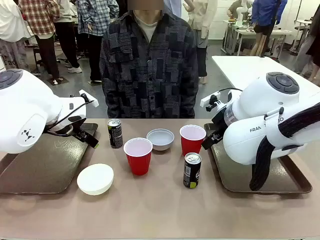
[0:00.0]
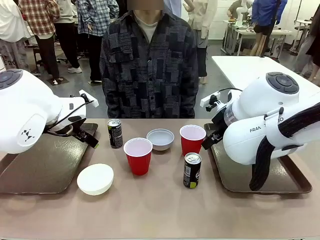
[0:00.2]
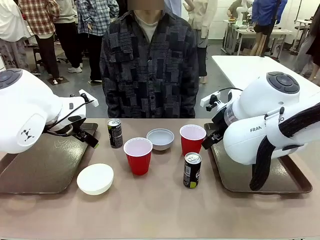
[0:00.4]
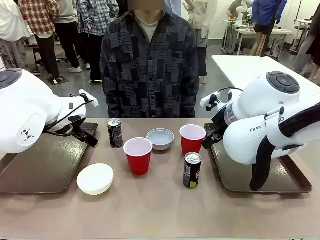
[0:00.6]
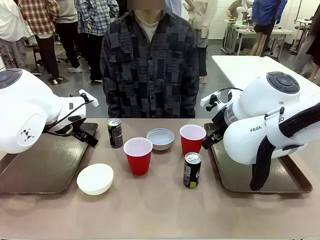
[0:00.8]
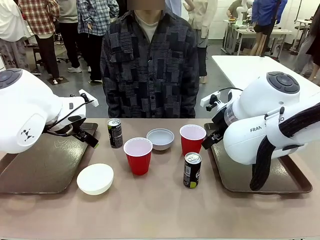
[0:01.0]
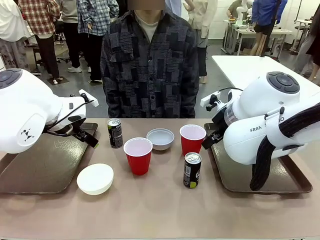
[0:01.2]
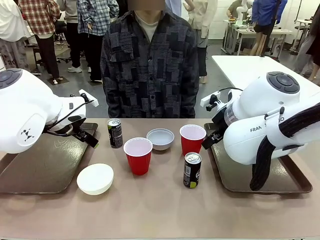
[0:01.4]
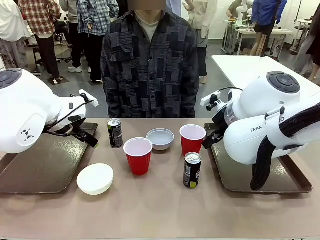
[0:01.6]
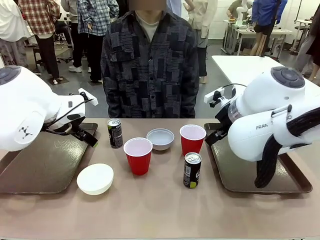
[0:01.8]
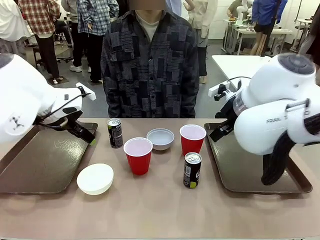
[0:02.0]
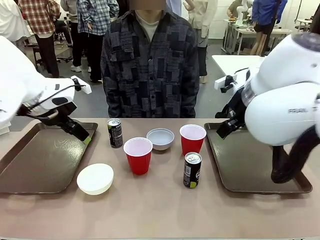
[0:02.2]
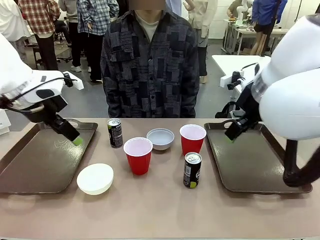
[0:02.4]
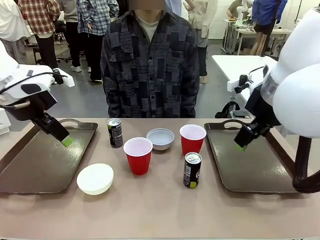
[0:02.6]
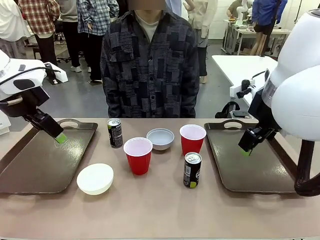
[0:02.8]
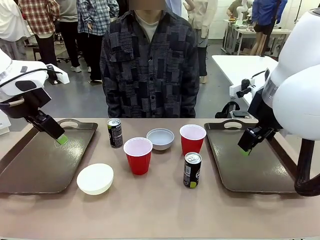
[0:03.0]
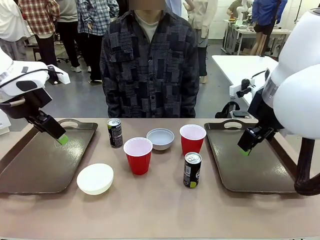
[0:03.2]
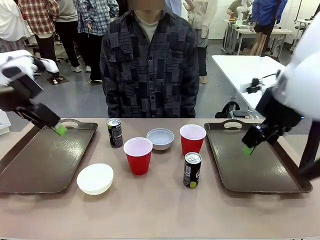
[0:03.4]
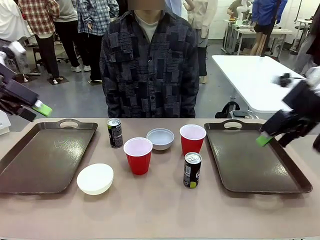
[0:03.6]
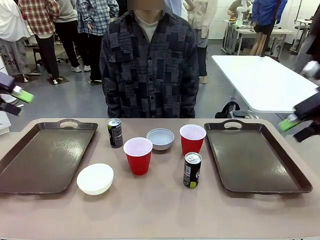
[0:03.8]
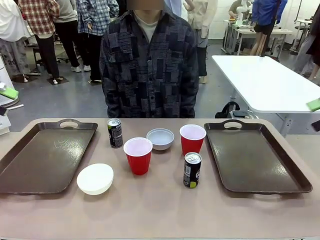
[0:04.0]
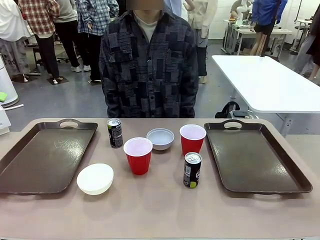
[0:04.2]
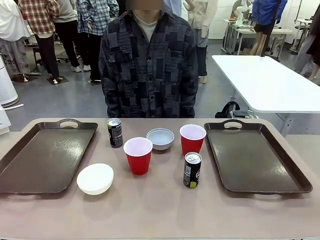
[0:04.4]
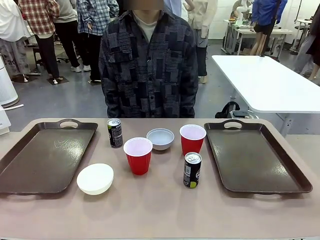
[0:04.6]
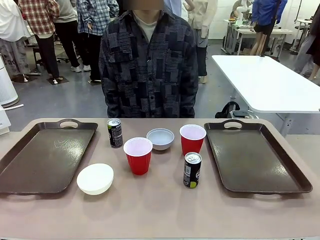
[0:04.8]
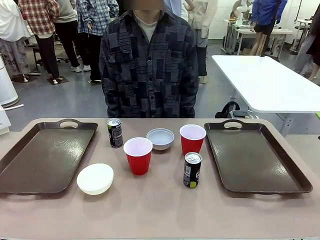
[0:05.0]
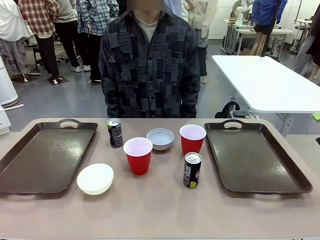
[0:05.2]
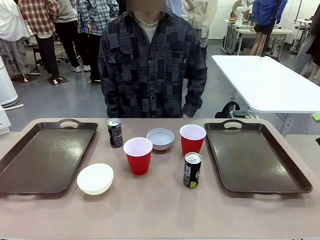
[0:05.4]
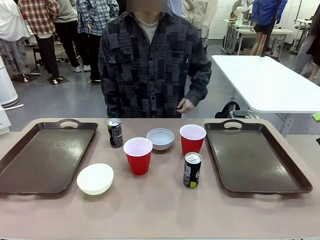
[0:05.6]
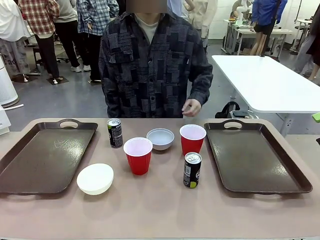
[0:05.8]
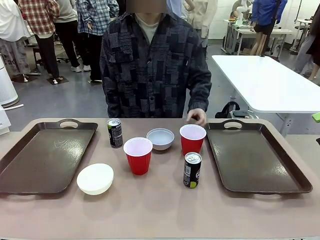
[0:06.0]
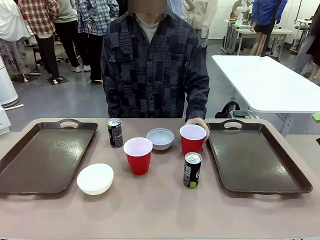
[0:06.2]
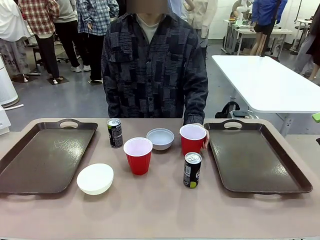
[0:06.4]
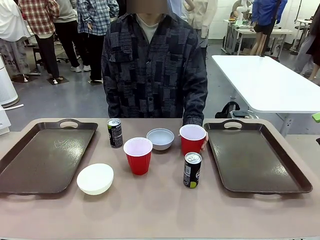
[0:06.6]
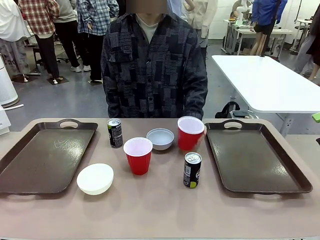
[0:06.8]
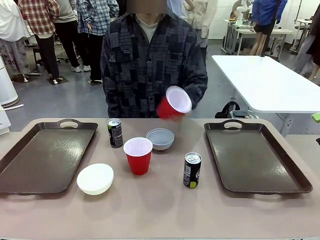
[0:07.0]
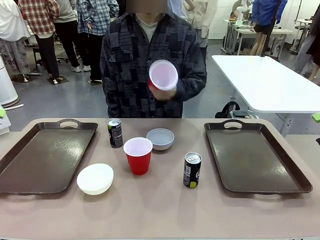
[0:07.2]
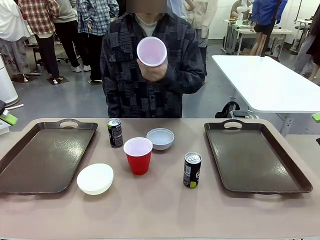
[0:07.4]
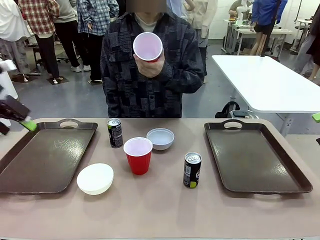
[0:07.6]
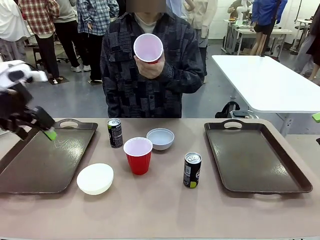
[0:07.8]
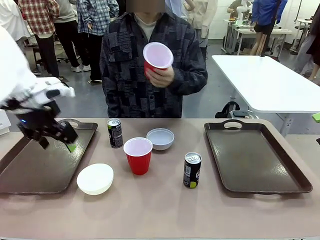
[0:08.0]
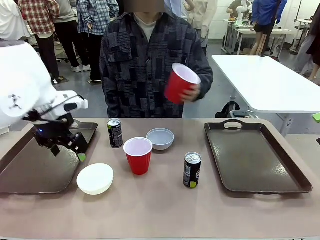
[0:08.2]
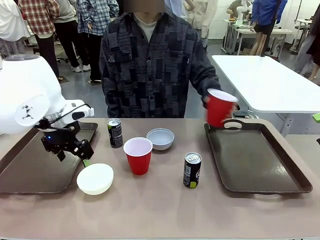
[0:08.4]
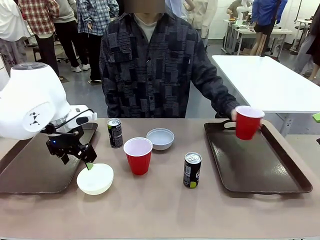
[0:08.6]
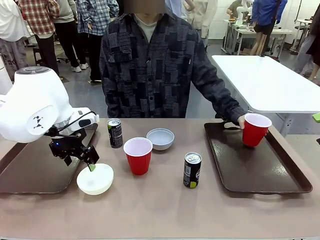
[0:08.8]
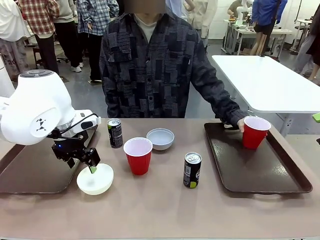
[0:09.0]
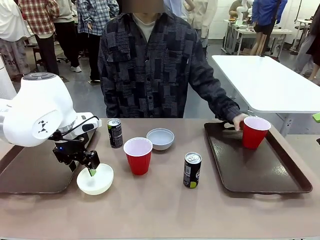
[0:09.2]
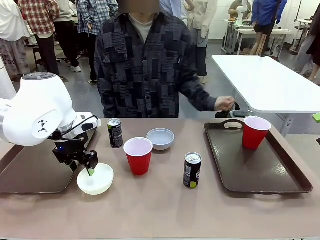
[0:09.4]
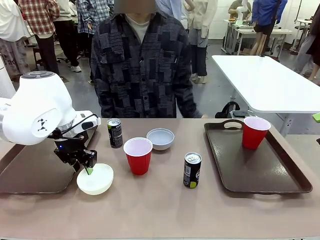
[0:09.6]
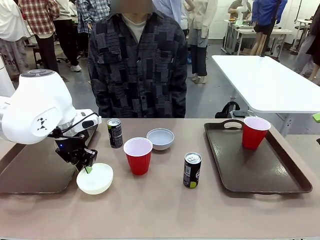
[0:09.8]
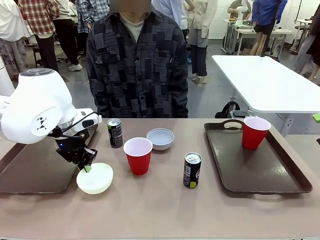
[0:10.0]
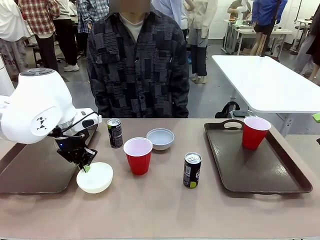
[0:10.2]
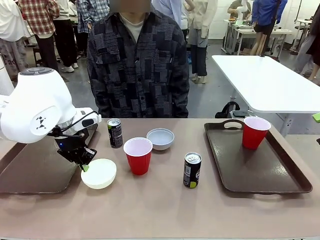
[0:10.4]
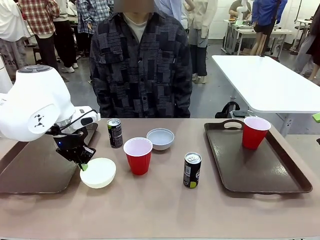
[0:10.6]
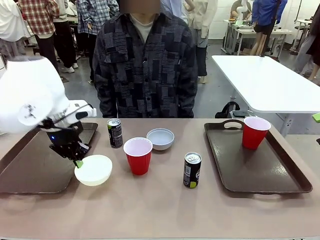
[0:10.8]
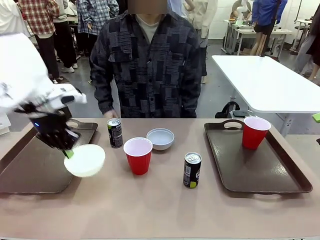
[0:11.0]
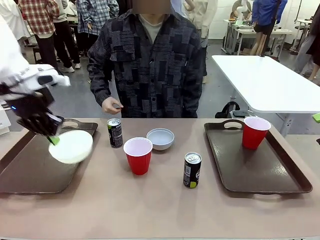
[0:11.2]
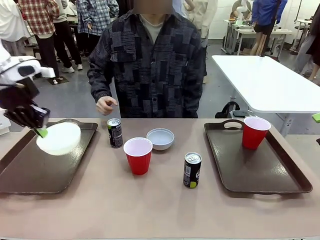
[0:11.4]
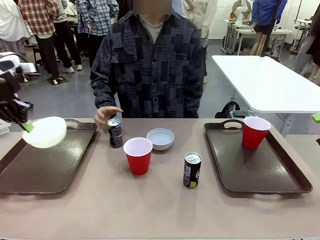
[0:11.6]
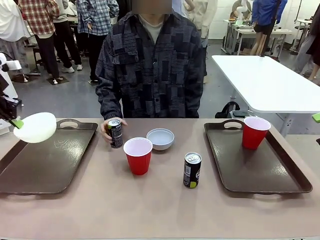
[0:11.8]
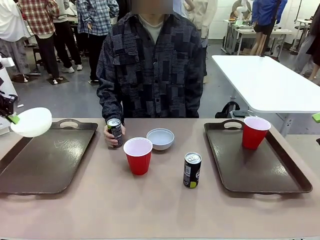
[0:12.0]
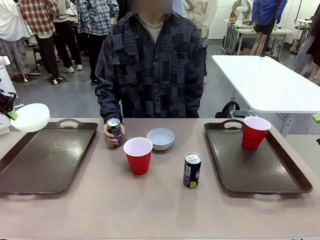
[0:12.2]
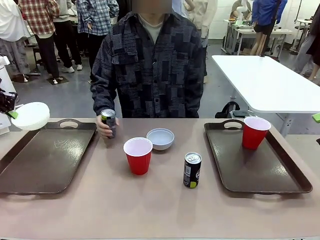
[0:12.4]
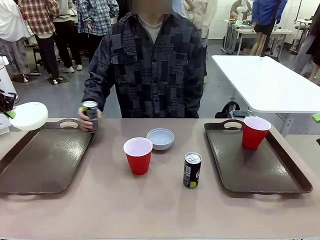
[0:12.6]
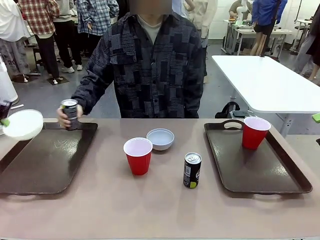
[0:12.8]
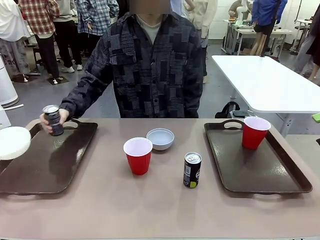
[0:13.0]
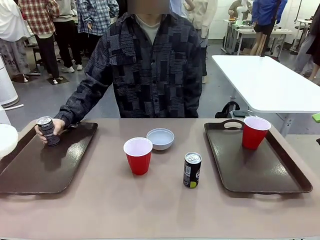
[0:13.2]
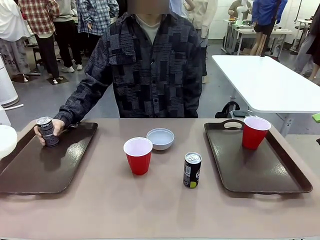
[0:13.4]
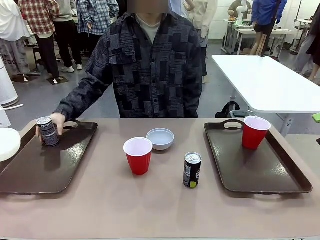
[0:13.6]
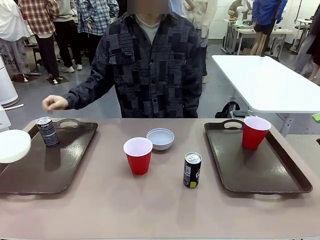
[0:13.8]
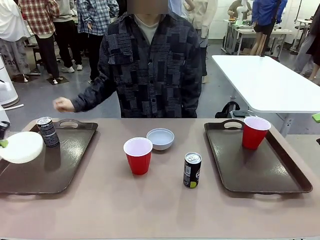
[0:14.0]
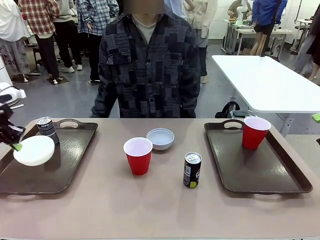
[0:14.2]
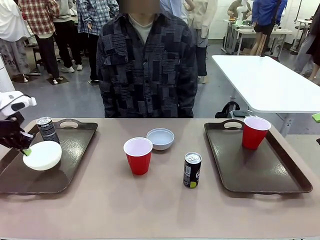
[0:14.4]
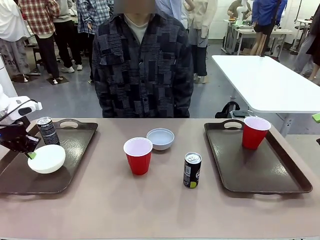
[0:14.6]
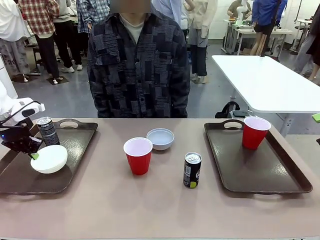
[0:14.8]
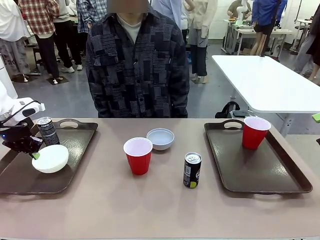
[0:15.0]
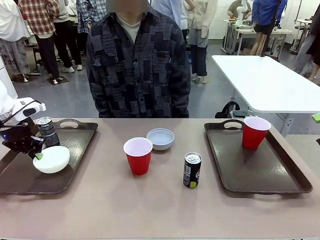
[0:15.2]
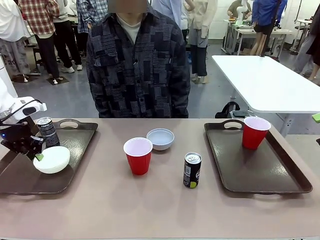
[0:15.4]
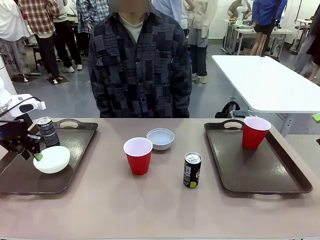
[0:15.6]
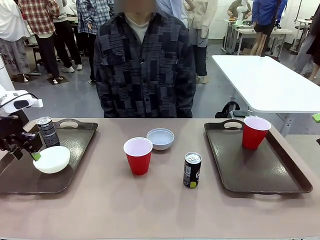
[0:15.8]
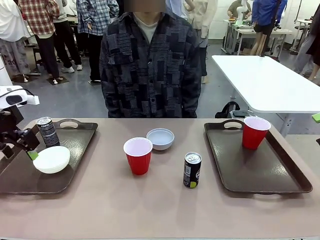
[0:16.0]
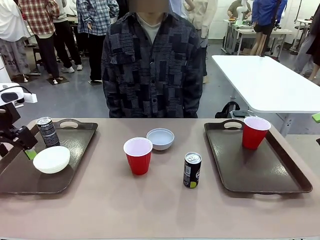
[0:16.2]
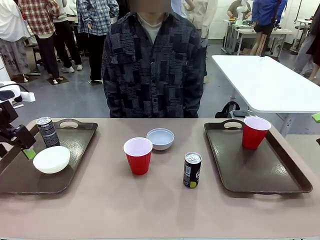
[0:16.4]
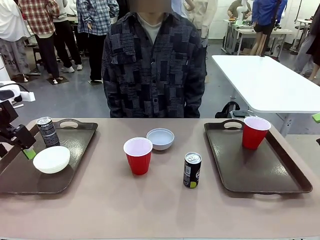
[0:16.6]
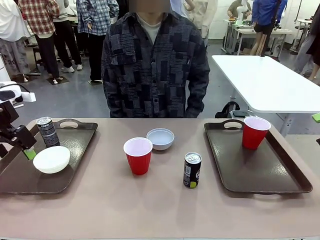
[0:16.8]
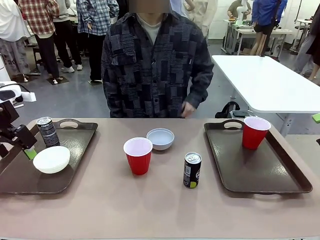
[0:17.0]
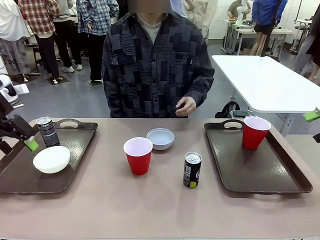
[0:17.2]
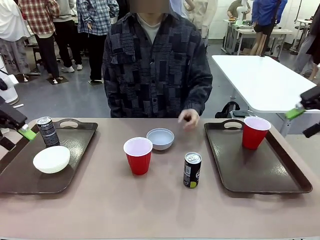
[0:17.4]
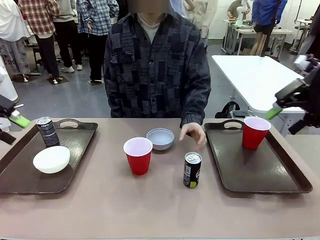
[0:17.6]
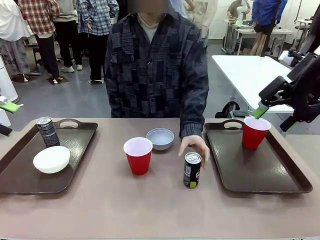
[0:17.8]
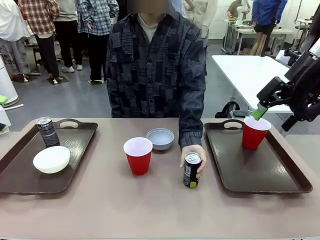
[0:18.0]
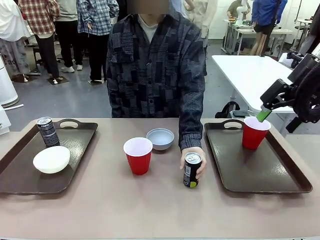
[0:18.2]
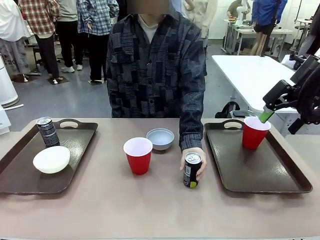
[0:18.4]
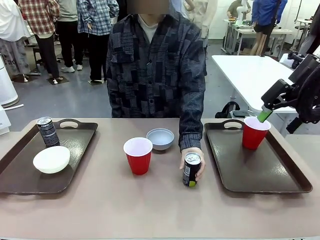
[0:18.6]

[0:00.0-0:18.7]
Task: Prepare tableware on both trays.
Robot: Pick up a Picnic Bowl from the table and place it on a Handle tray.
Person: Pick up a can or cup and place it on the tray.
